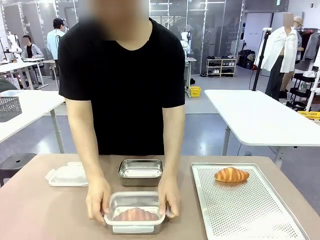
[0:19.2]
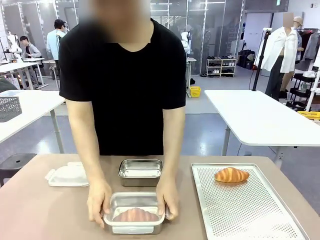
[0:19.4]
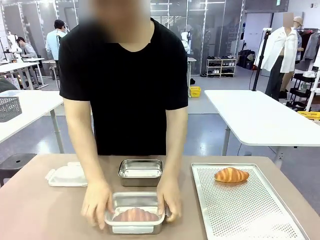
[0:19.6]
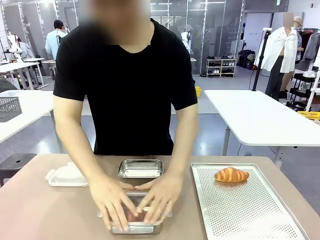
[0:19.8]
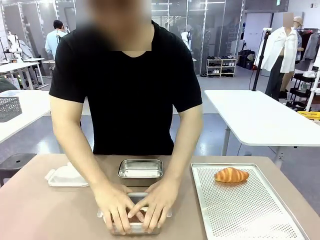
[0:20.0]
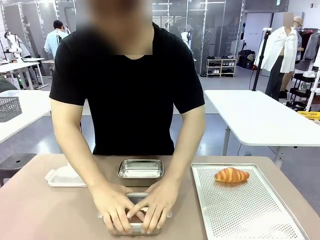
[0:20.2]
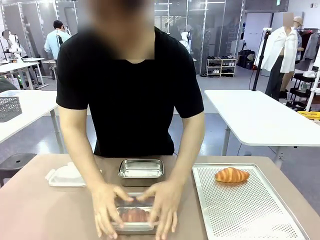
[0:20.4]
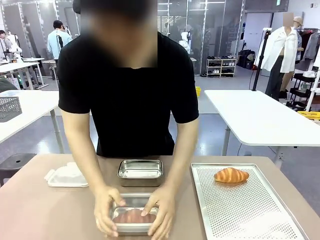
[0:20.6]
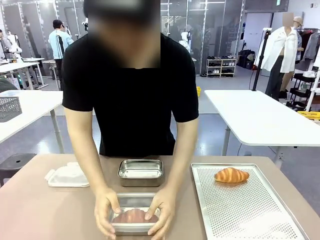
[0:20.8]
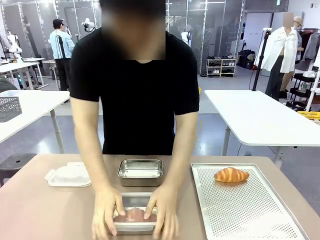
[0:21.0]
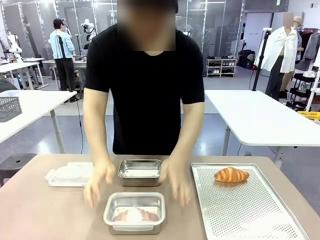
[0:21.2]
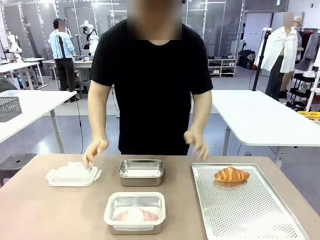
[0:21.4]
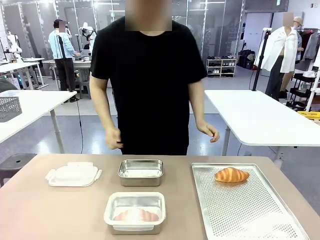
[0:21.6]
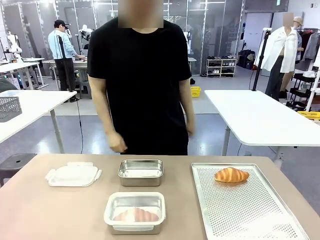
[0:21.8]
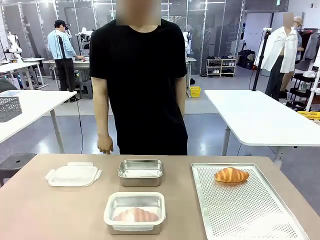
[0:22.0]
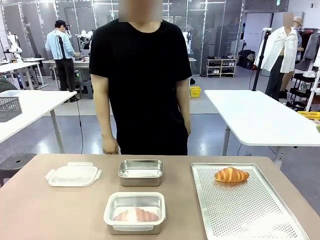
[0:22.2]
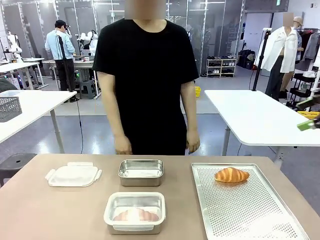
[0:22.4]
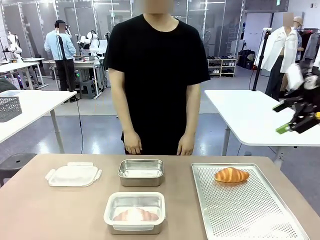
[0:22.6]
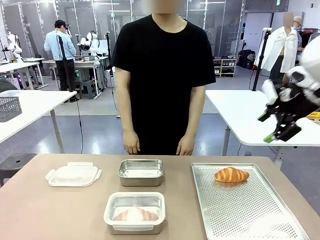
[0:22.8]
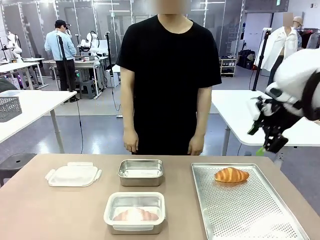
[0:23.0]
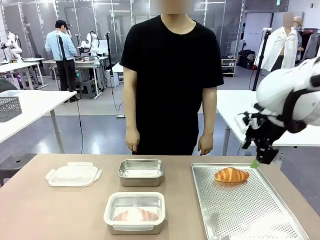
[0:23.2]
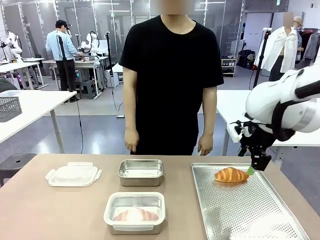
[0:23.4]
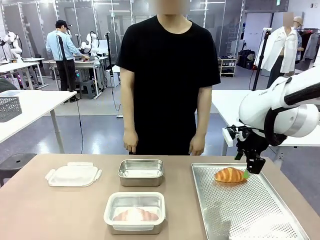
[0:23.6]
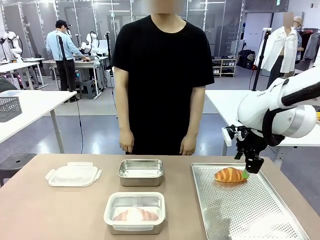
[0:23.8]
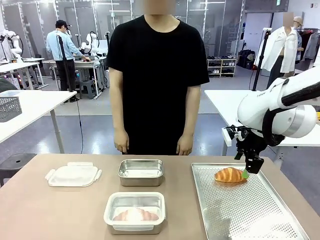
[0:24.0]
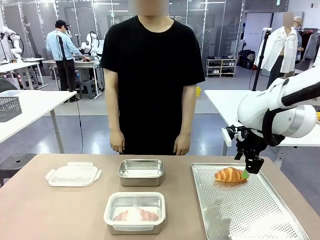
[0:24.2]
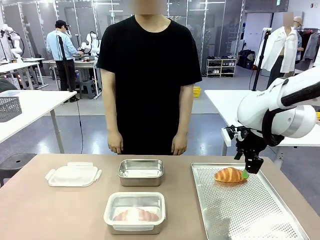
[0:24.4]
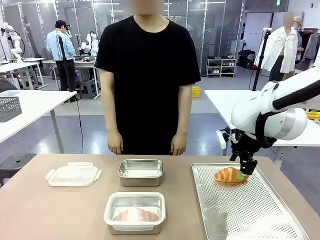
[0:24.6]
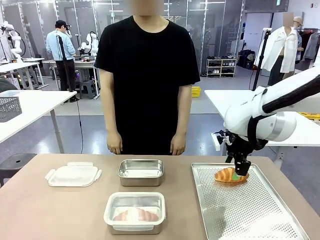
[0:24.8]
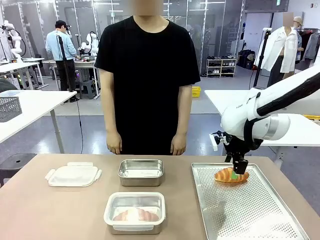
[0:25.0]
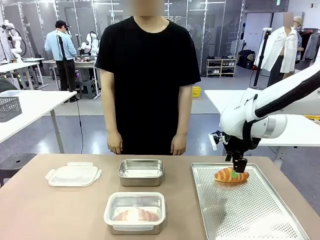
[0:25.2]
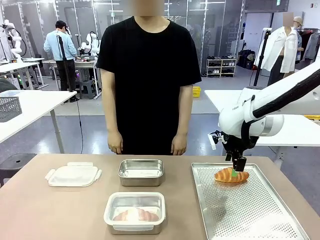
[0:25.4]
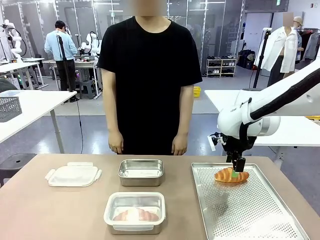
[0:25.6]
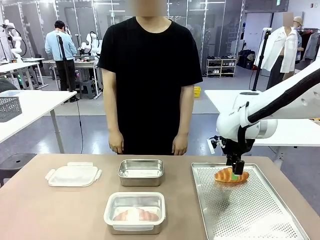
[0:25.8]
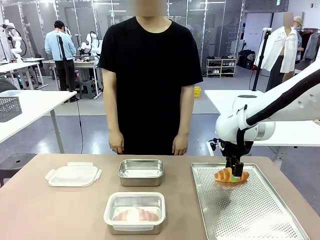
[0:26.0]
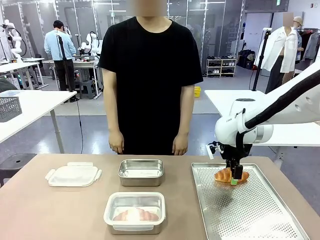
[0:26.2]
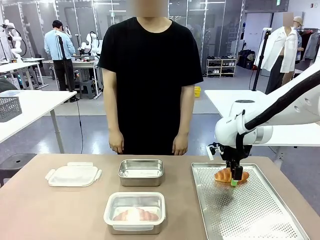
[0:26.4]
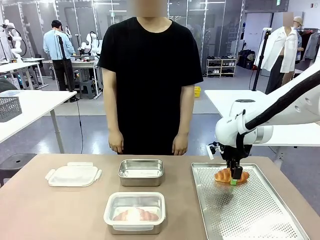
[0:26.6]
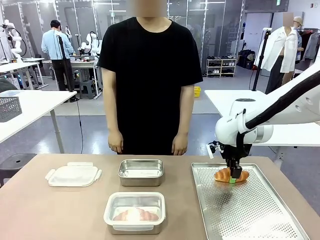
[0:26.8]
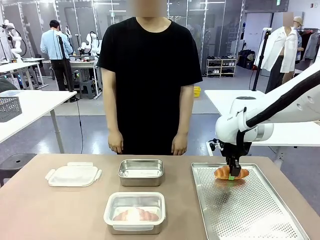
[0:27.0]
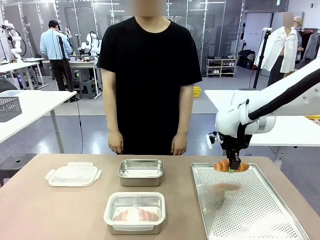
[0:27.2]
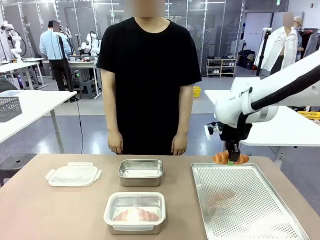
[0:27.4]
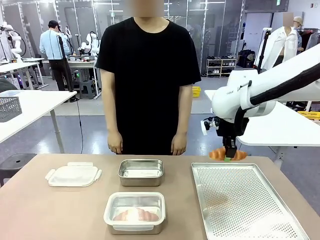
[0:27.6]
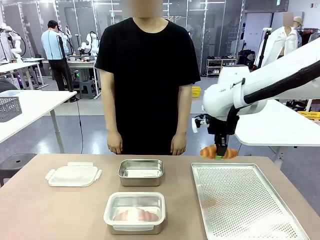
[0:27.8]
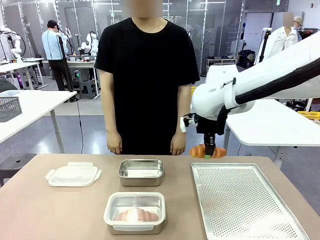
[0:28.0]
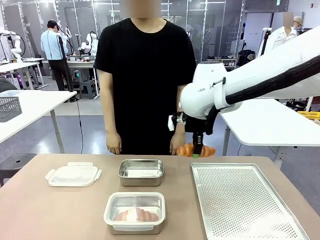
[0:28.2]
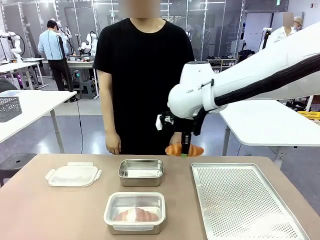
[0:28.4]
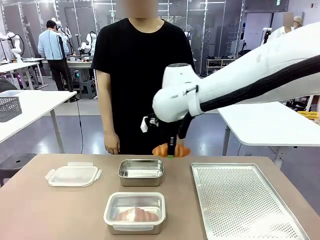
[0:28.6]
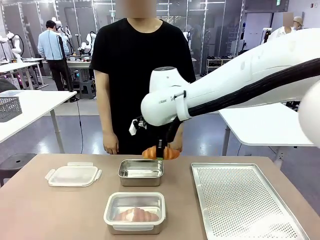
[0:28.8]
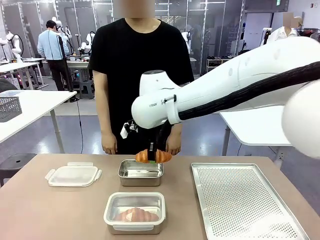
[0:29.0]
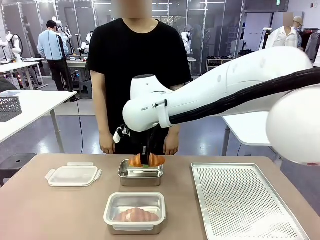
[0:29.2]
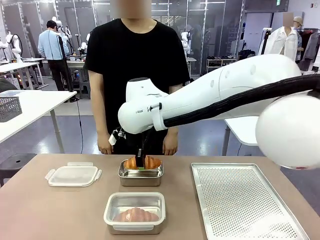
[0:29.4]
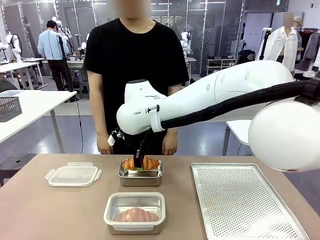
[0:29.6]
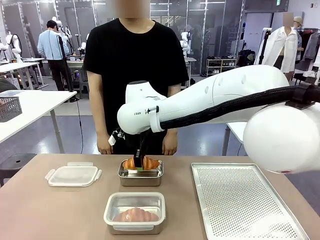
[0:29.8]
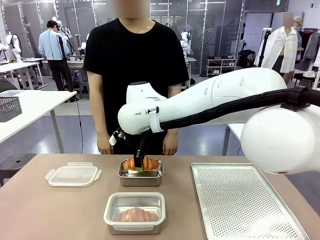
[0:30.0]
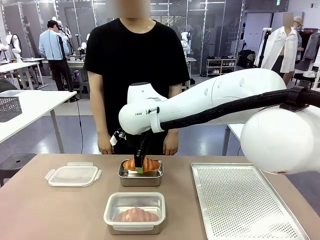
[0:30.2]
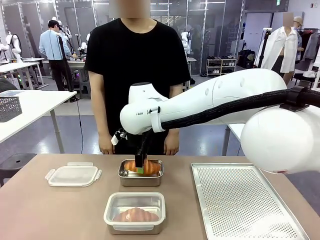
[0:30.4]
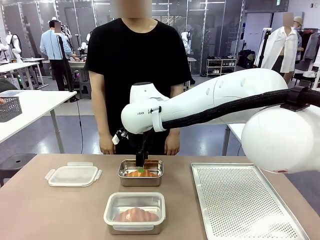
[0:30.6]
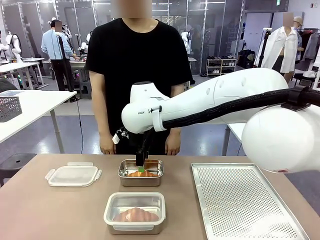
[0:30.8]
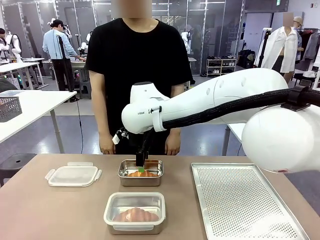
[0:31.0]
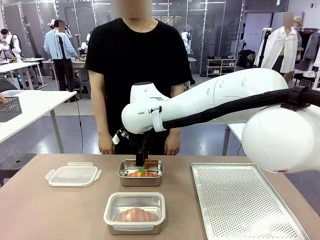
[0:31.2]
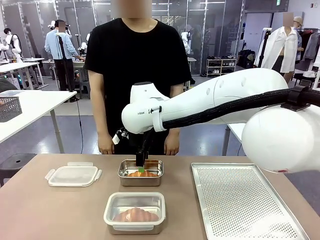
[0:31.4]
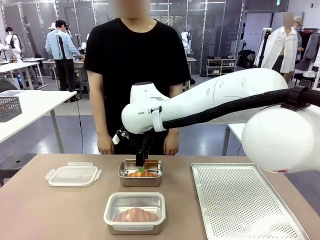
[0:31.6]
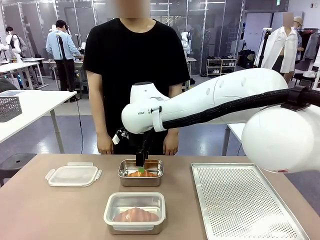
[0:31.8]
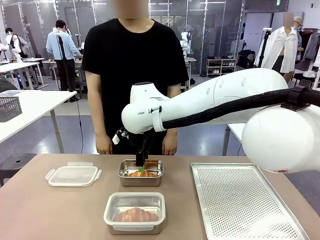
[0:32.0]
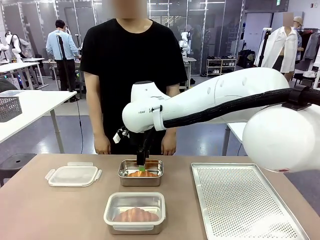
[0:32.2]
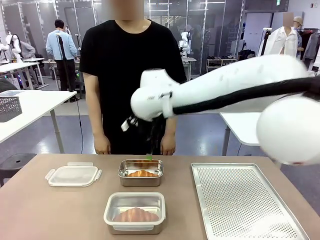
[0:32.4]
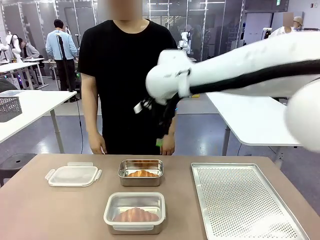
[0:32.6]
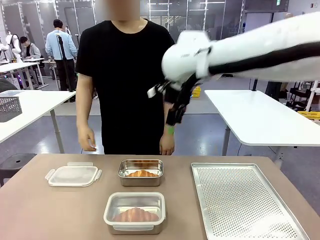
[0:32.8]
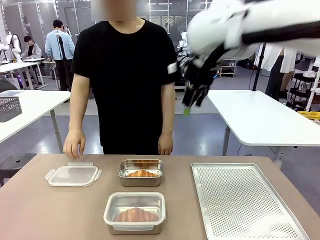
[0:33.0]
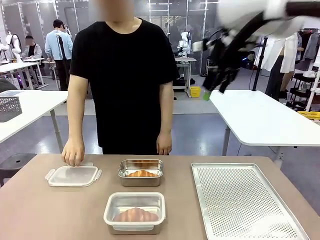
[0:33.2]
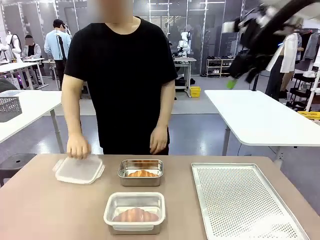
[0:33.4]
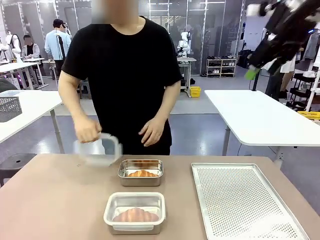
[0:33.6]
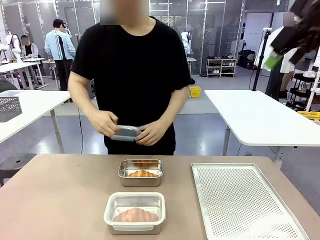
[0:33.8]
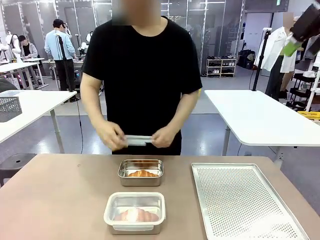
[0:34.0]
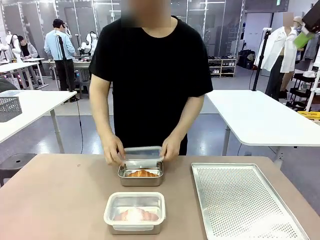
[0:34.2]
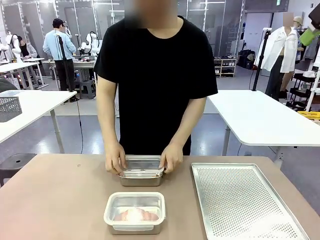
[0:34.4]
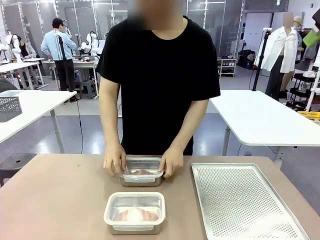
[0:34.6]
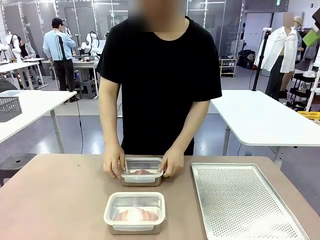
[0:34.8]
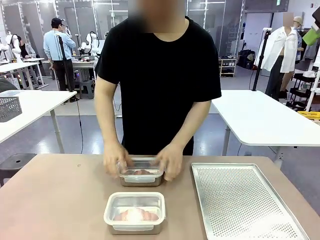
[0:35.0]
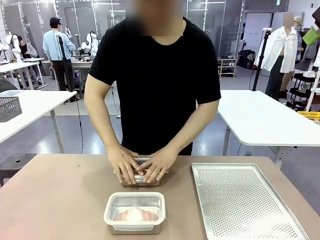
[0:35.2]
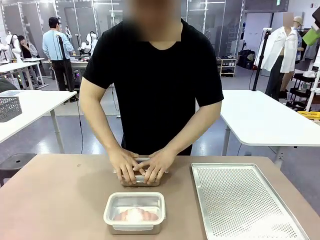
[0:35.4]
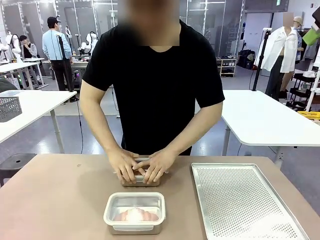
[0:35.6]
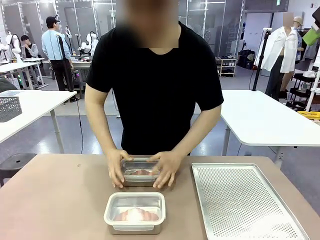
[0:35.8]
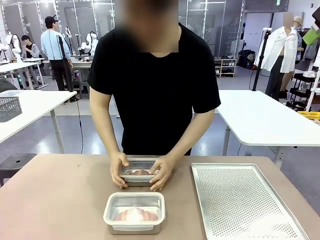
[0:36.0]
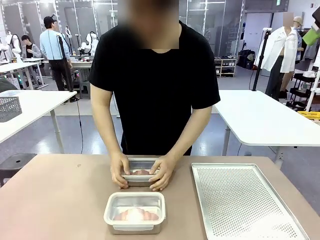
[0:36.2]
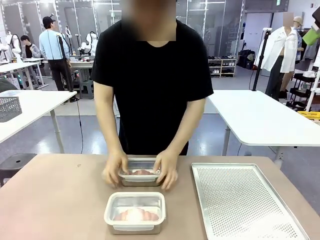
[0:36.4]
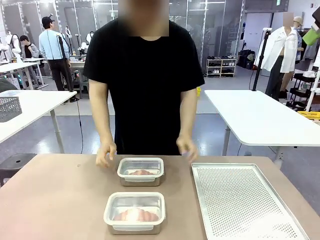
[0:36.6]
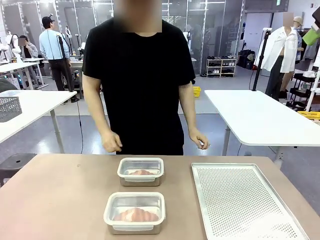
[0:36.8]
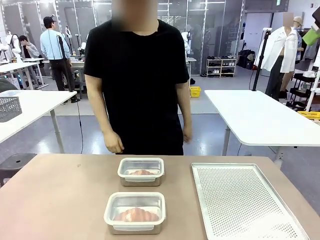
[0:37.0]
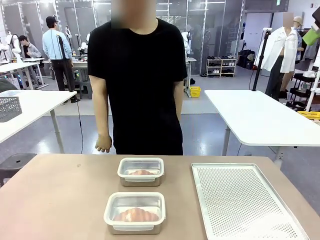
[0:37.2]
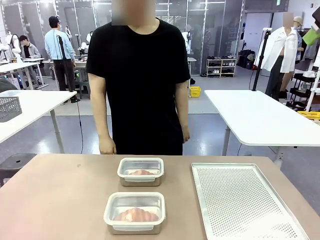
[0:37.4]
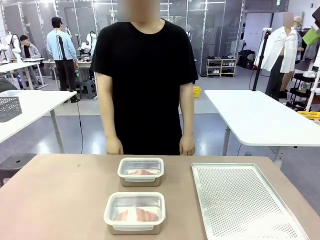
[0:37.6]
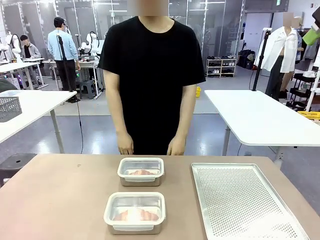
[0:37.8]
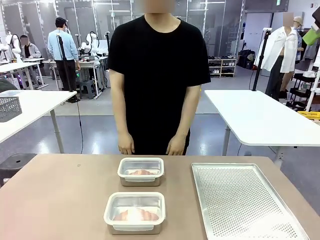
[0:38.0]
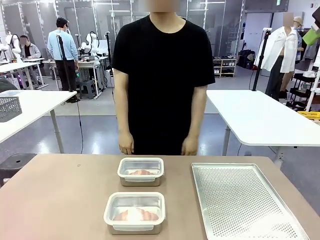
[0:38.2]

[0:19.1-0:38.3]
Task: Place the bread into the airtight container.
Robot: Pick up a Butter Roll and place it into an empty Airtight Container.
Person: Once a Butter Roll is inside an Airtight Container , close the lid of that Airtight Container.
